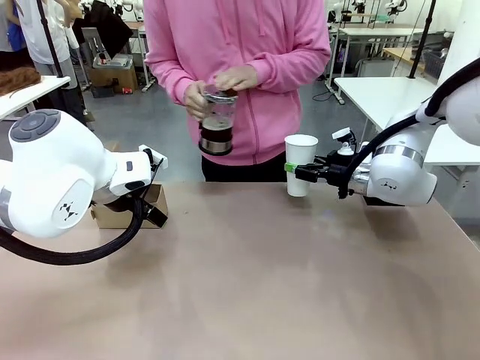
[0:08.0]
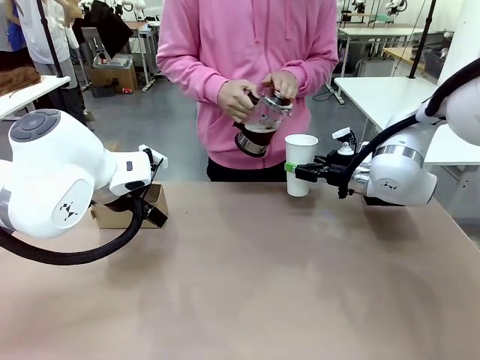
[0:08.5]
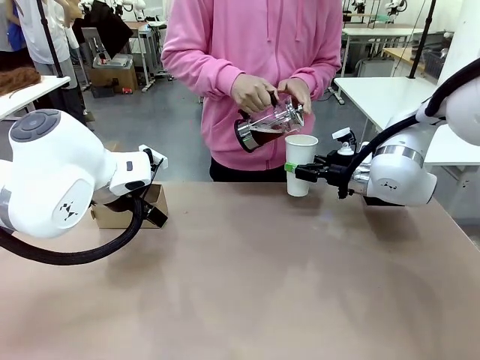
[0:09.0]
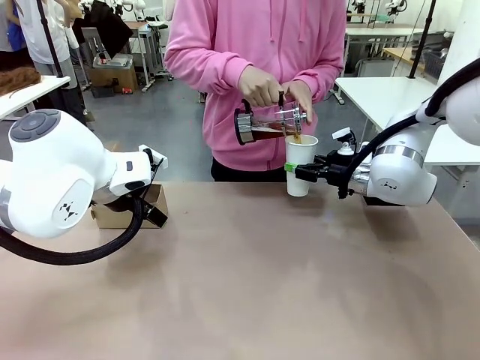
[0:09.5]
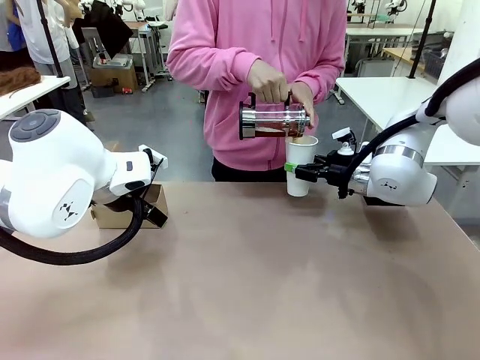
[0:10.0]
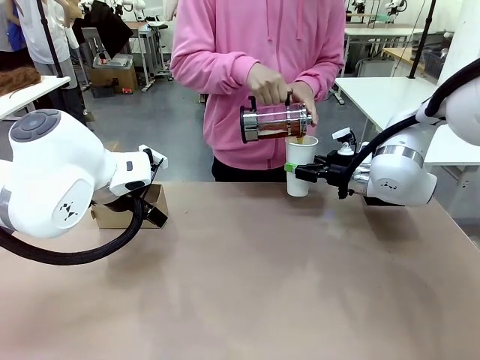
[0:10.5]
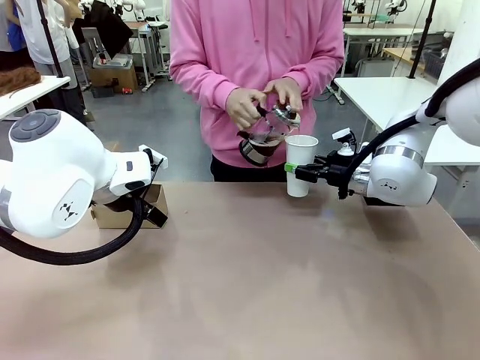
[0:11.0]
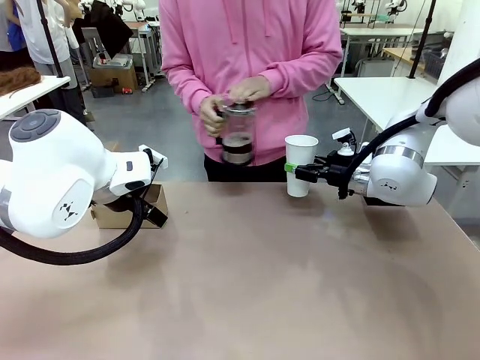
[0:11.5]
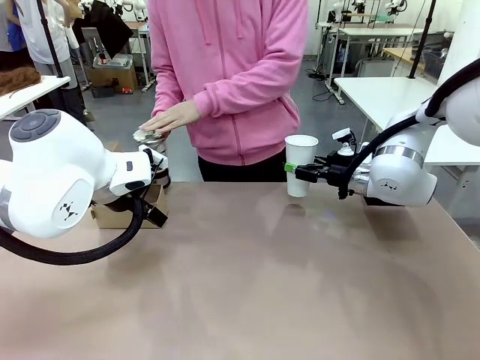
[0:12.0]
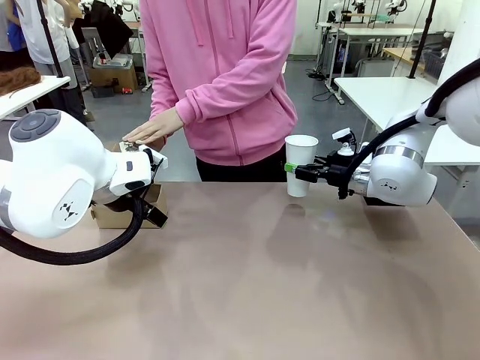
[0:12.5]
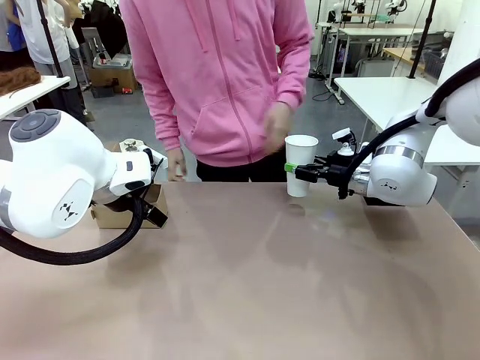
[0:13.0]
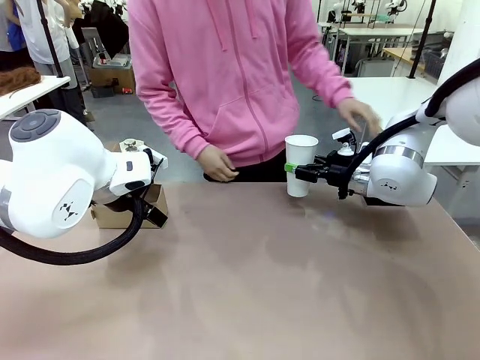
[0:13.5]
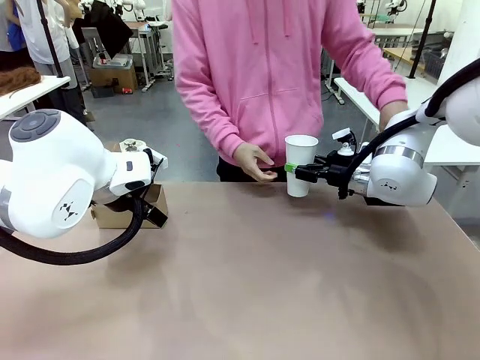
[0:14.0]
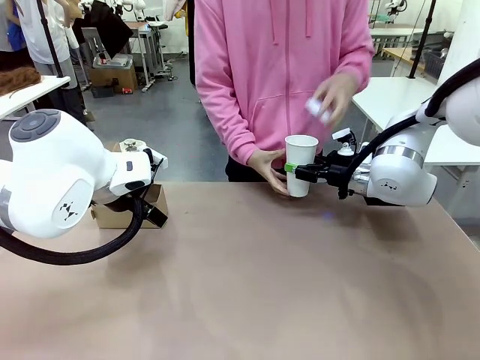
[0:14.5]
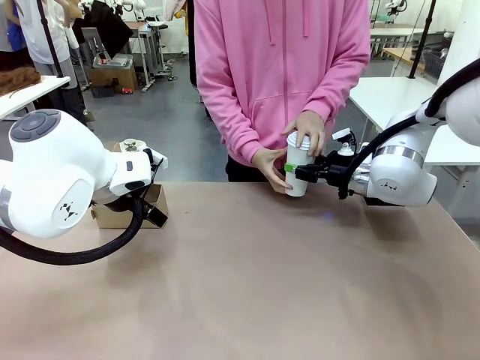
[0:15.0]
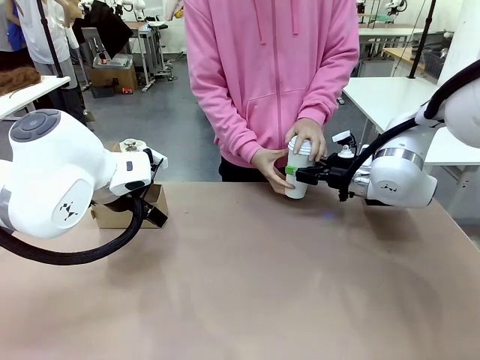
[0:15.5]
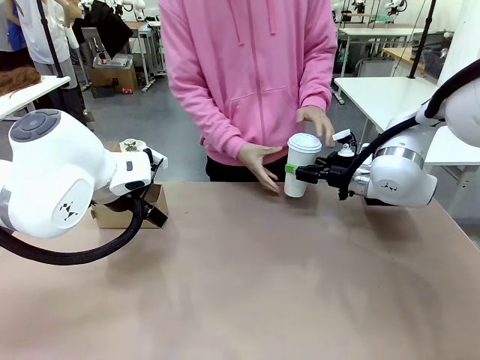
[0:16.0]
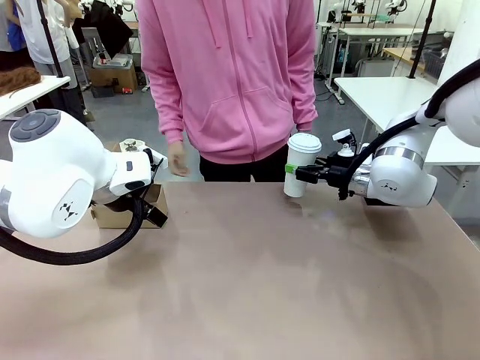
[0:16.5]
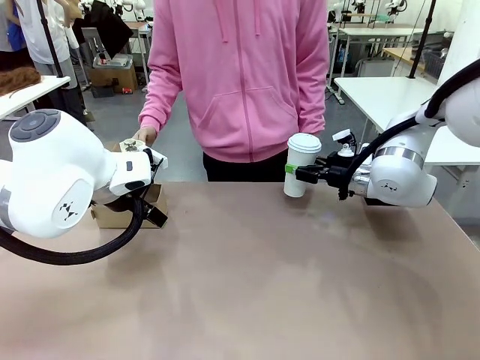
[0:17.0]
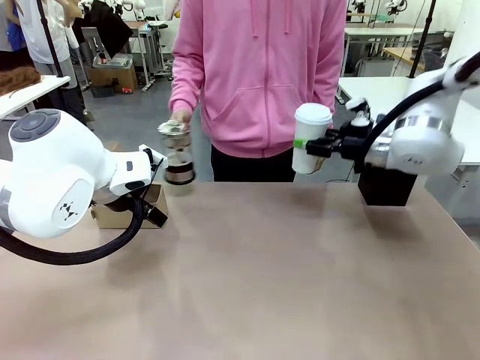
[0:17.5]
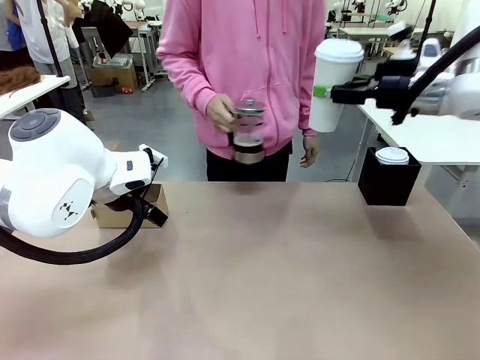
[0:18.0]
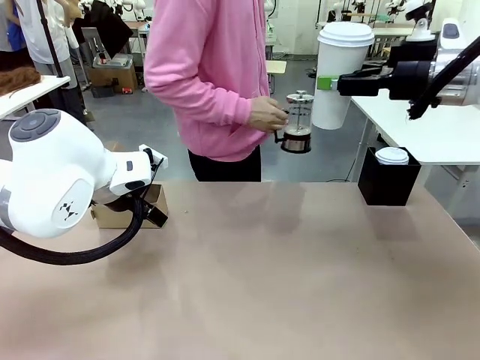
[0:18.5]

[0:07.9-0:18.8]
Task: Pour a drink into a cup and package it in a carrier.
Robot: When a person places the Paper Cup Lid on the 600 ml Paper Cup , lift the 600 ml Paper Cup.
Person: Pour the drink from the Filter Brewing into the 600 ml Paper Cup. Place a Paper Cup Lid on the 600 ml Paper Cup.

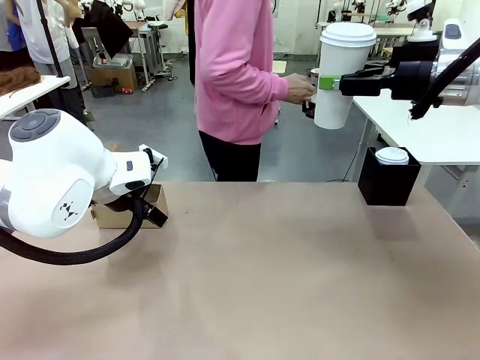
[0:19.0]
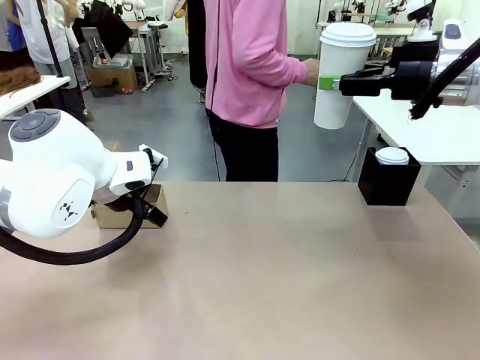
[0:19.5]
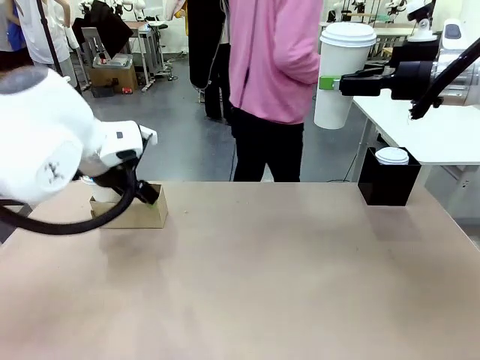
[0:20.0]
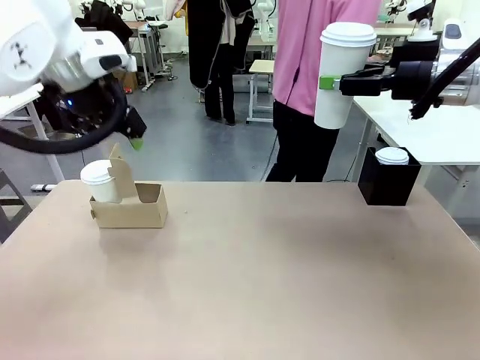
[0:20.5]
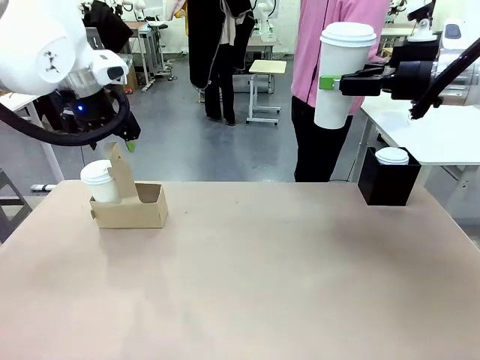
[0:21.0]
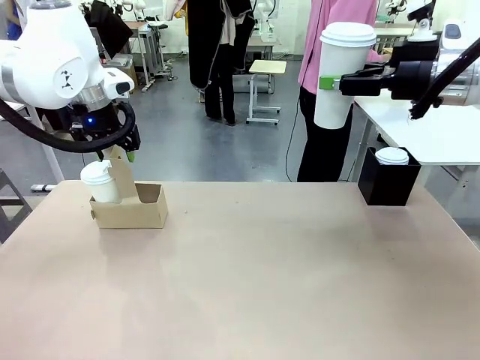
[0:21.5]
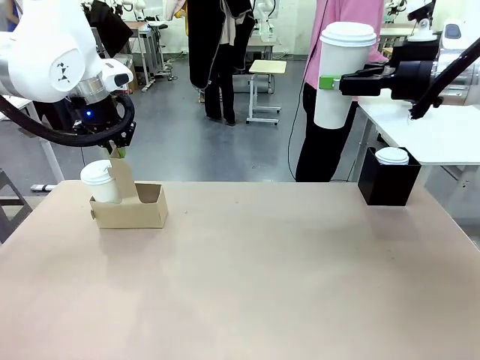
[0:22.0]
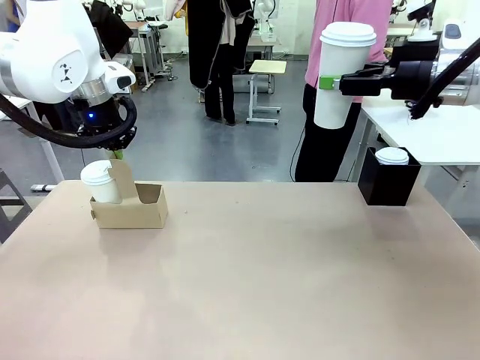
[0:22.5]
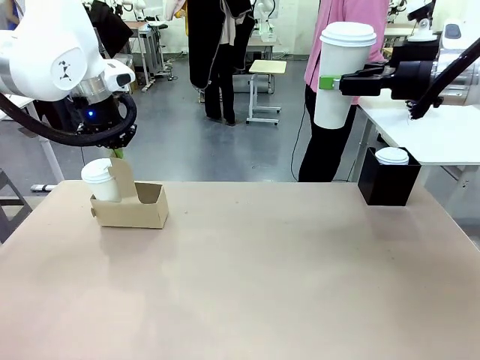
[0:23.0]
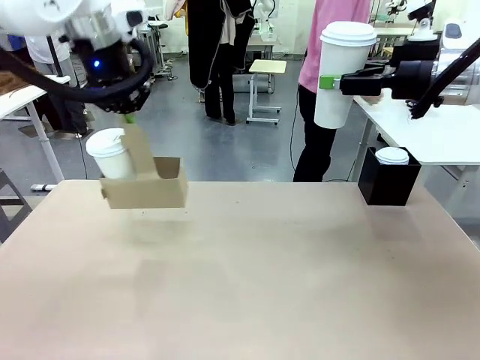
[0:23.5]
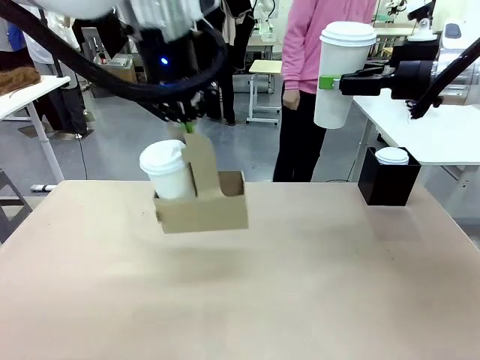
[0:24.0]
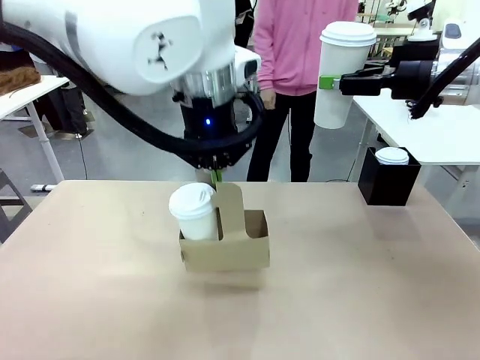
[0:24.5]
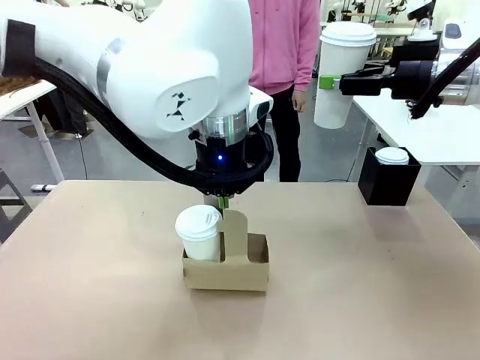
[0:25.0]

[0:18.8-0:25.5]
Robot: Position the Cup Carrier in the center of the table.
Person: Pick up the Filter Brewing and place on the middle of Human table, and return to the Robot table.

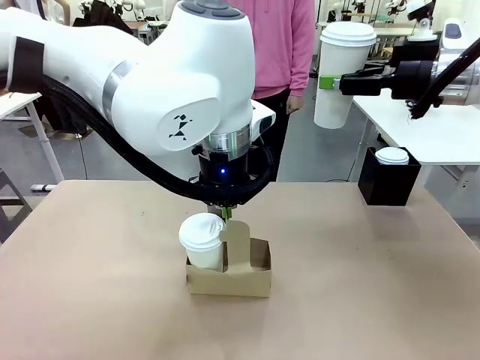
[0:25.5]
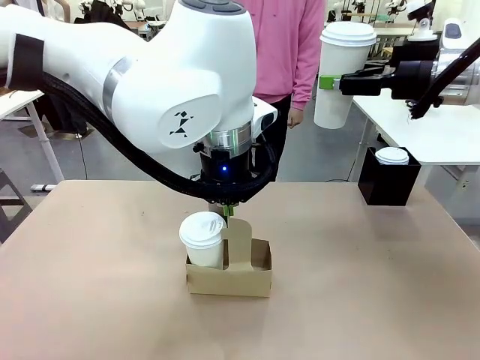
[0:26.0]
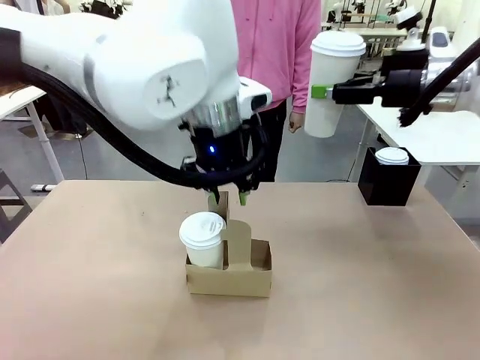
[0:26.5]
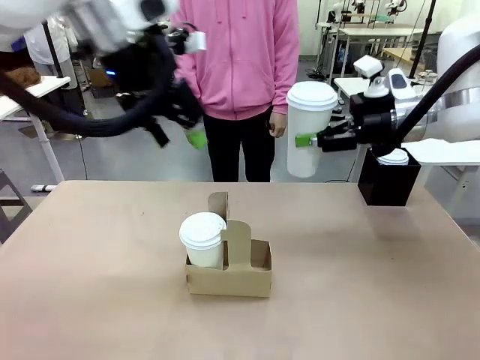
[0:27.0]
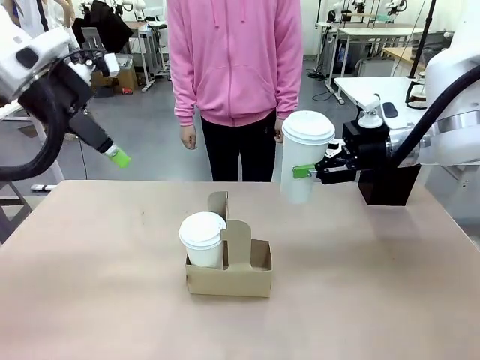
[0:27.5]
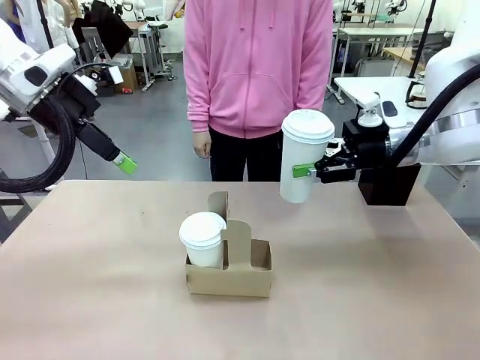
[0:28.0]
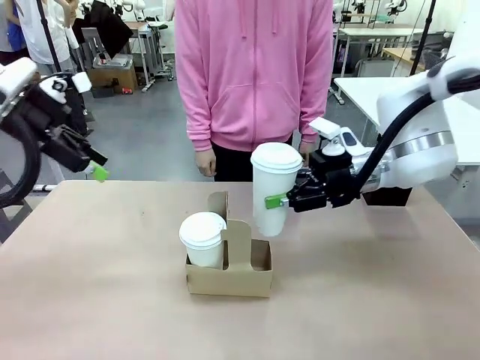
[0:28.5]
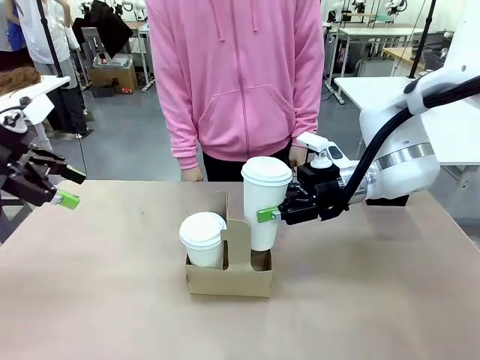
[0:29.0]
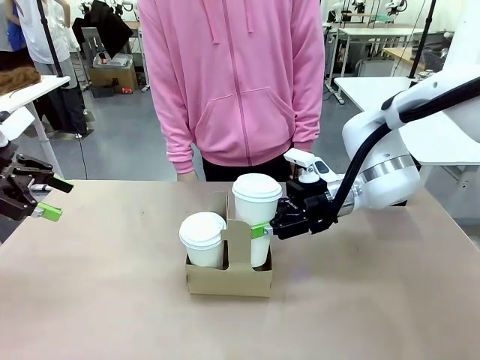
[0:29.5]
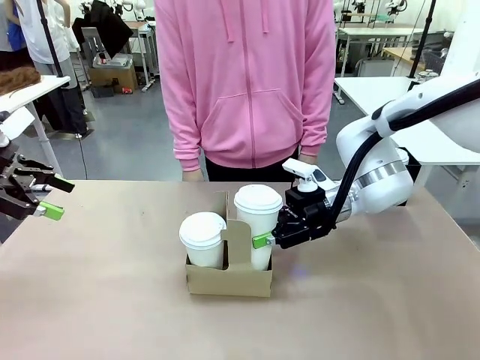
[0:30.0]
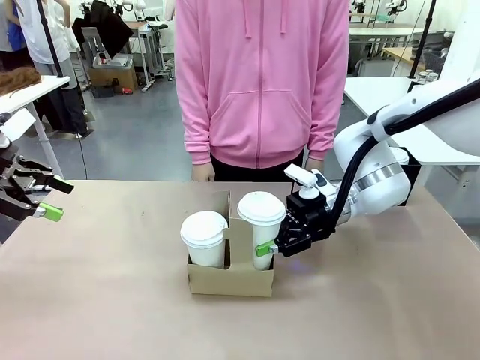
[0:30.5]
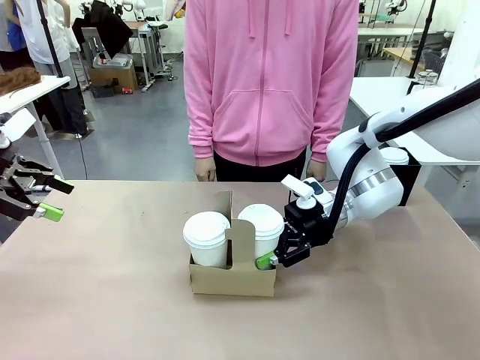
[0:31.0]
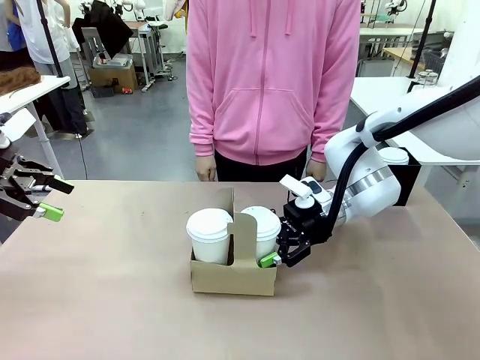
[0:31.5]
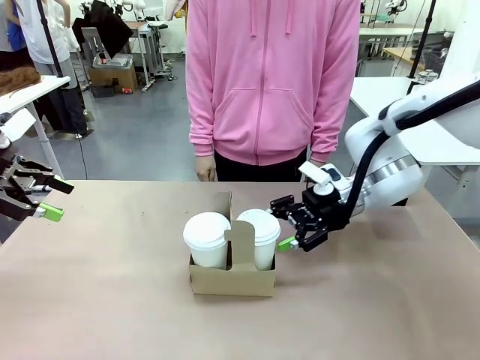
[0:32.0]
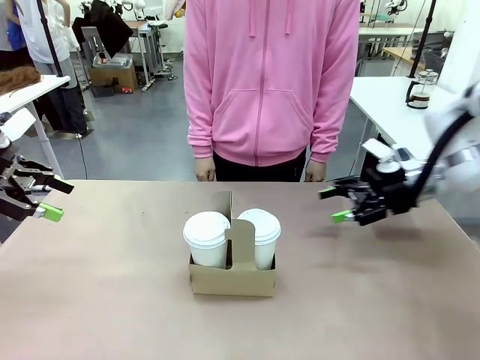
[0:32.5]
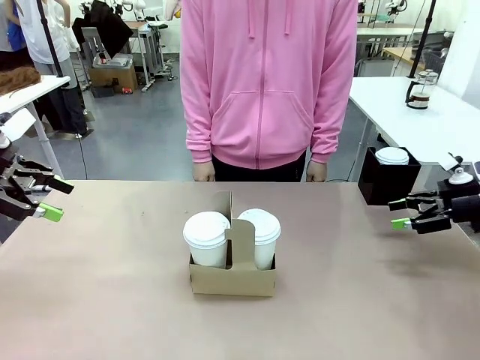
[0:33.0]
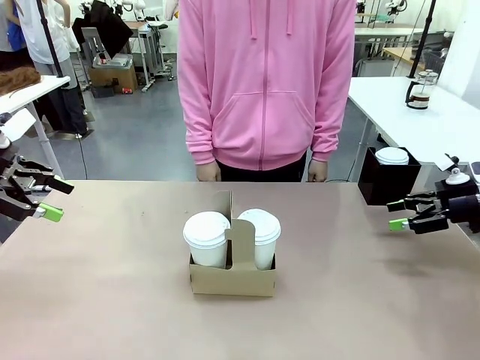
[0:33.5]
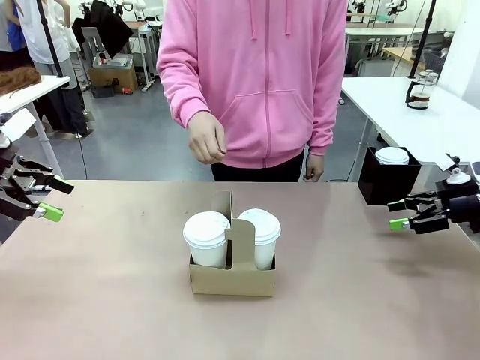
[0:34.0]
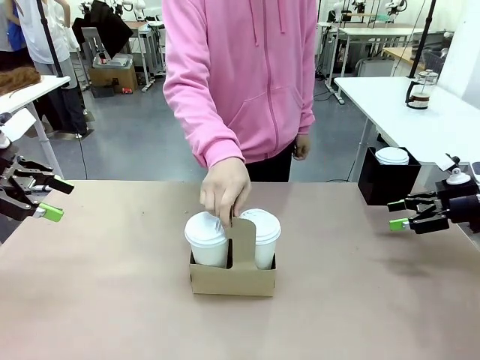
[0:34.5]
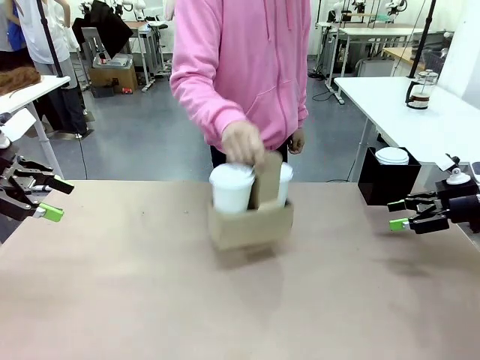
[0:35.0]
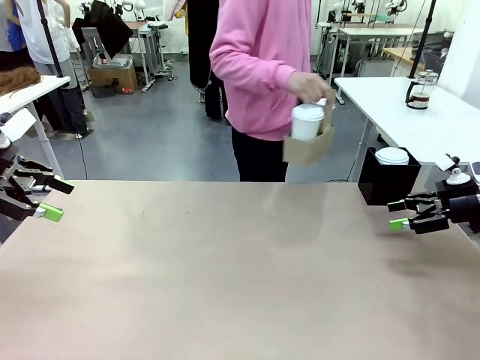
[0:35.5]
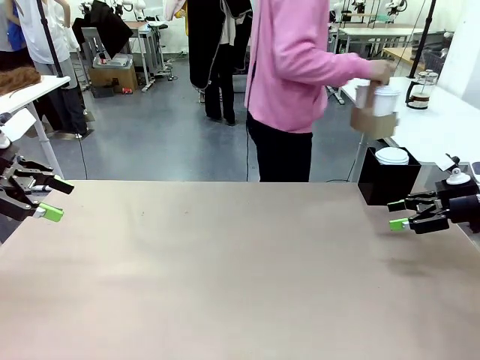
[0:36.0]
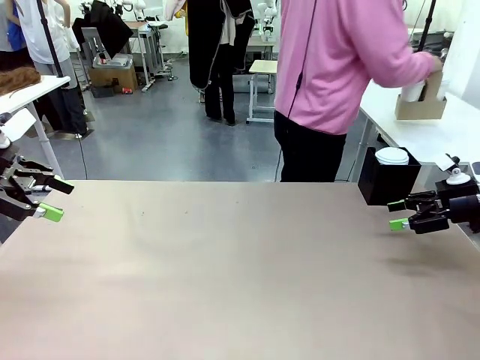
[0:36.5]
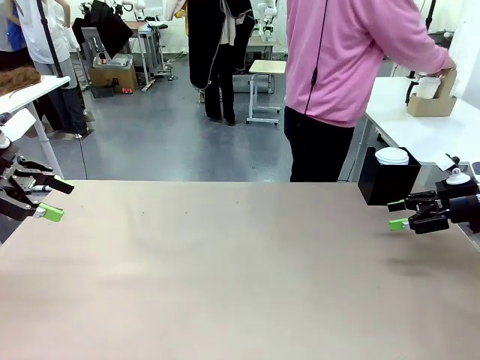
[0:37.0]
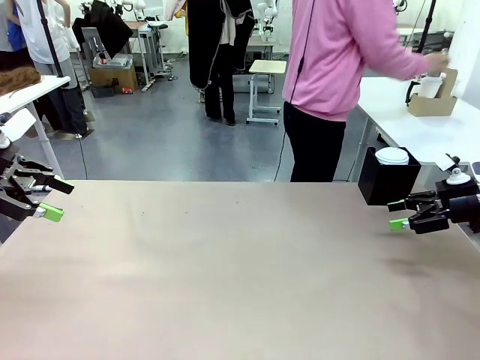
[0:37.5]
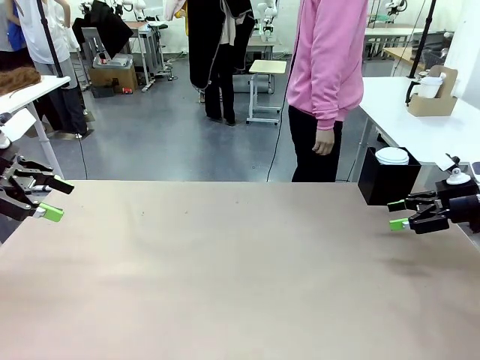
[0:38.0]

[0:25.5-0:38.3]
Robot: Insert the held 600 ml Paper Cup into the Cup Carrier.
Person: Place the Cup Carrier to the middle of Human table.
